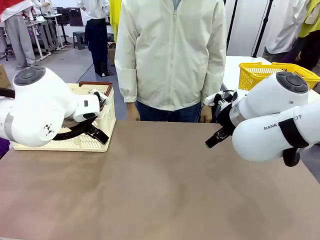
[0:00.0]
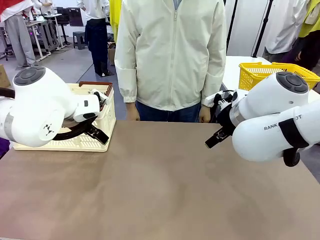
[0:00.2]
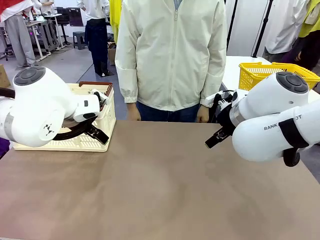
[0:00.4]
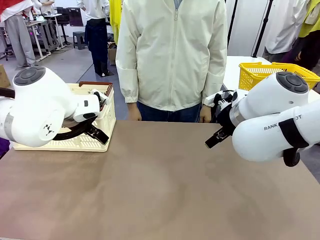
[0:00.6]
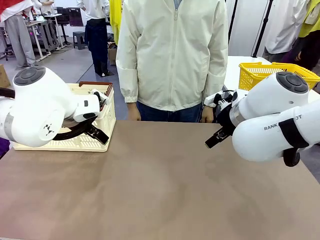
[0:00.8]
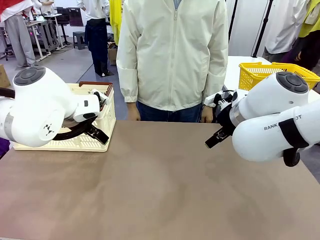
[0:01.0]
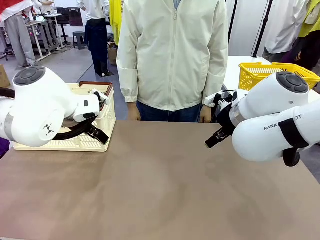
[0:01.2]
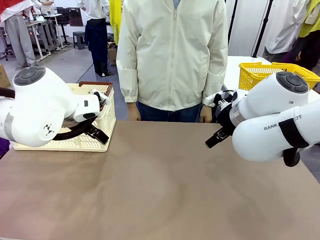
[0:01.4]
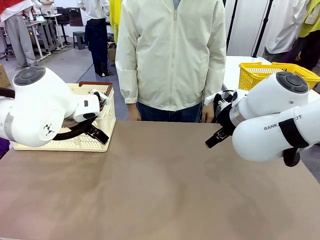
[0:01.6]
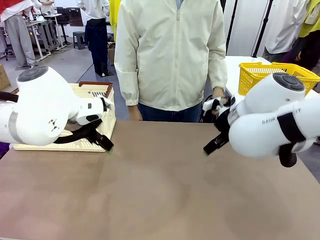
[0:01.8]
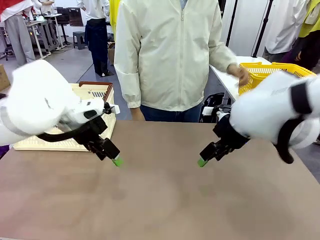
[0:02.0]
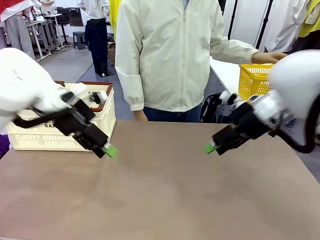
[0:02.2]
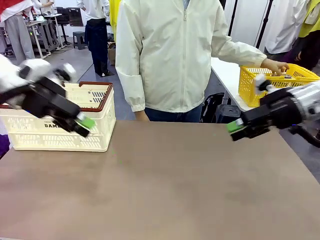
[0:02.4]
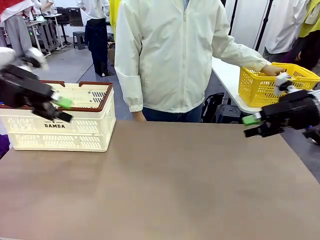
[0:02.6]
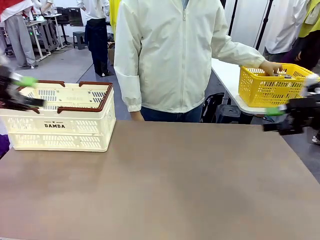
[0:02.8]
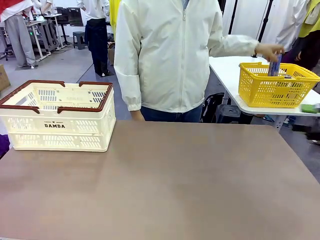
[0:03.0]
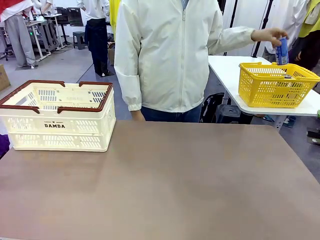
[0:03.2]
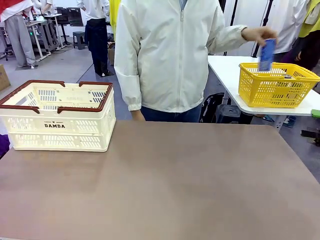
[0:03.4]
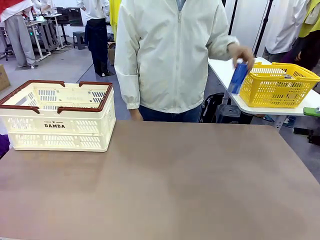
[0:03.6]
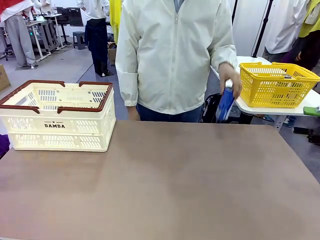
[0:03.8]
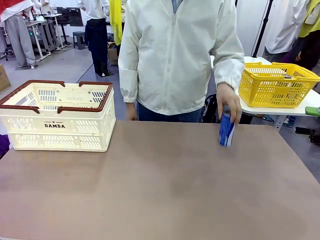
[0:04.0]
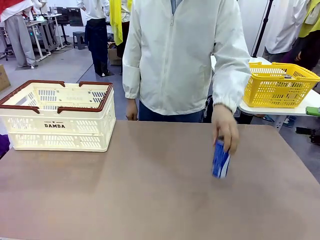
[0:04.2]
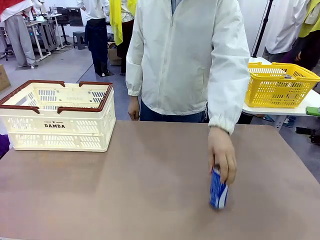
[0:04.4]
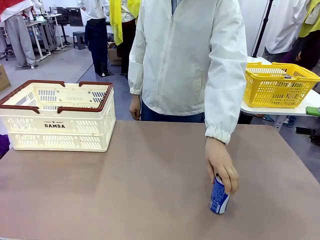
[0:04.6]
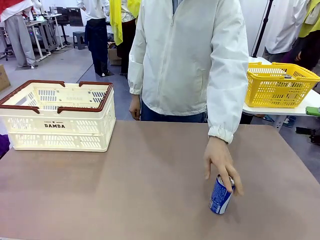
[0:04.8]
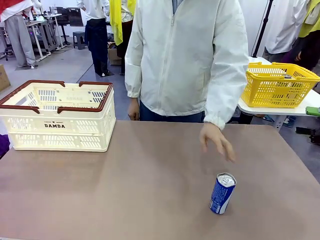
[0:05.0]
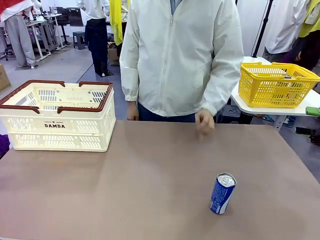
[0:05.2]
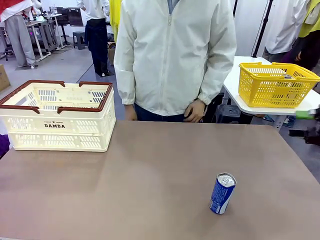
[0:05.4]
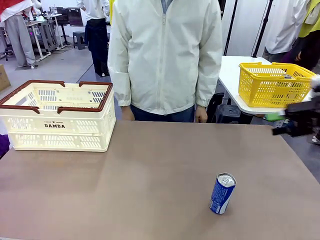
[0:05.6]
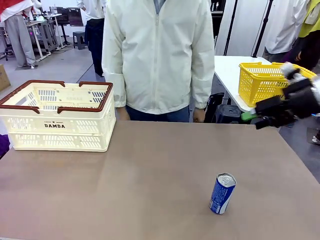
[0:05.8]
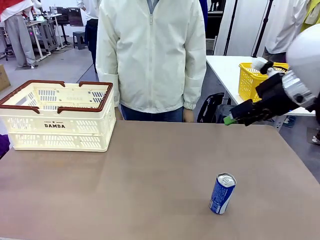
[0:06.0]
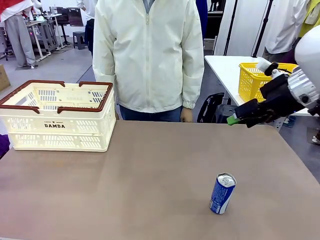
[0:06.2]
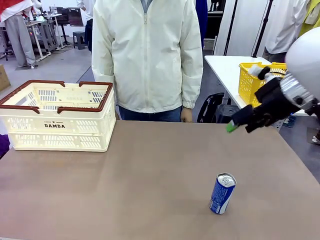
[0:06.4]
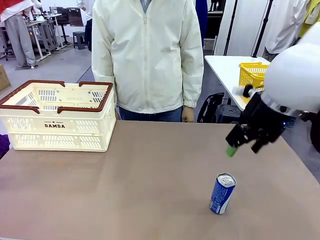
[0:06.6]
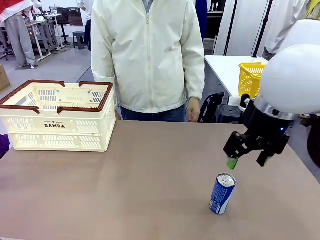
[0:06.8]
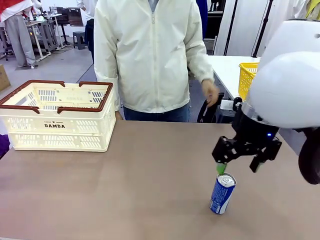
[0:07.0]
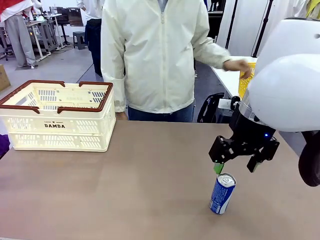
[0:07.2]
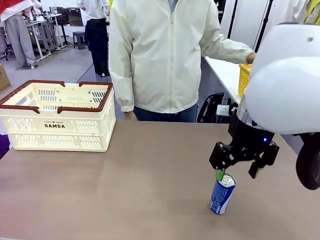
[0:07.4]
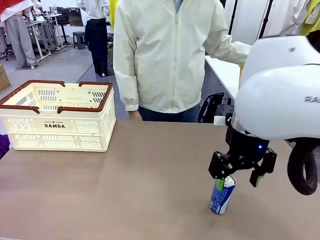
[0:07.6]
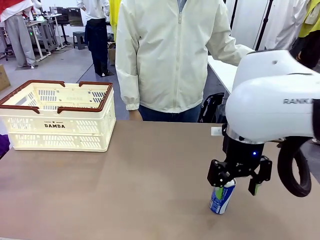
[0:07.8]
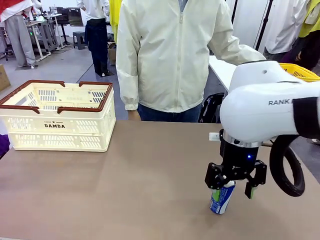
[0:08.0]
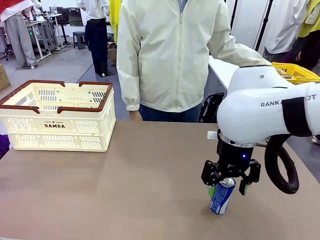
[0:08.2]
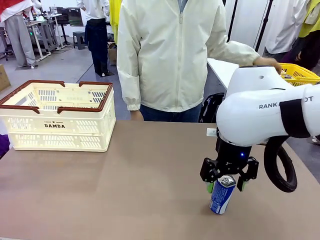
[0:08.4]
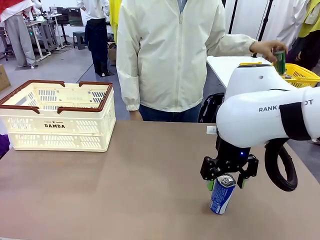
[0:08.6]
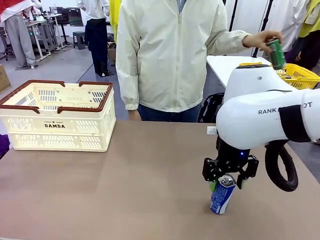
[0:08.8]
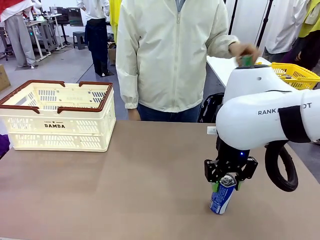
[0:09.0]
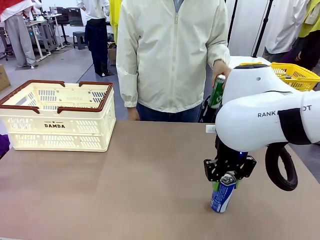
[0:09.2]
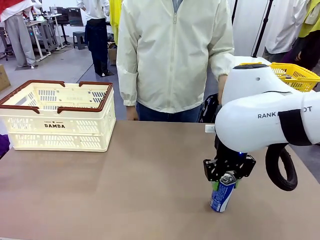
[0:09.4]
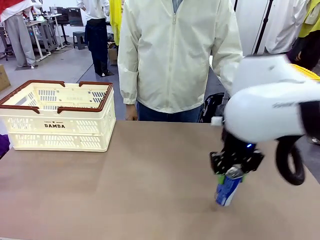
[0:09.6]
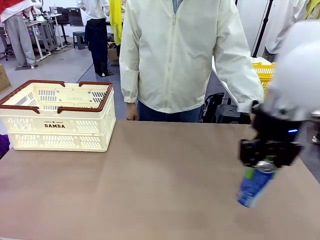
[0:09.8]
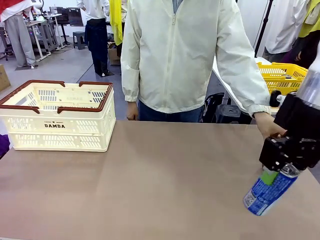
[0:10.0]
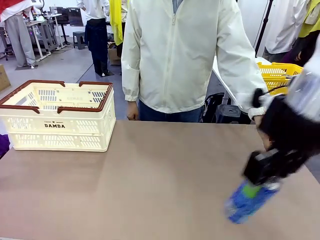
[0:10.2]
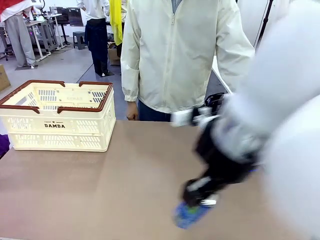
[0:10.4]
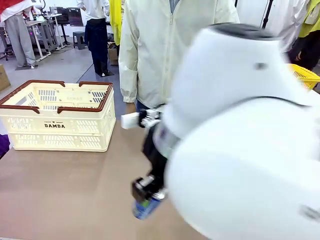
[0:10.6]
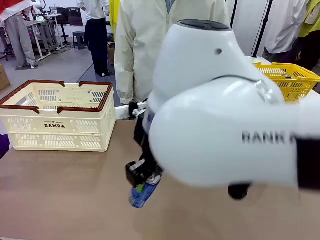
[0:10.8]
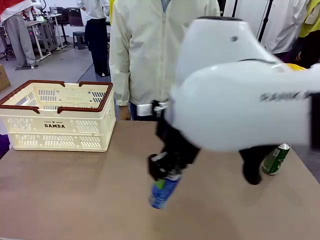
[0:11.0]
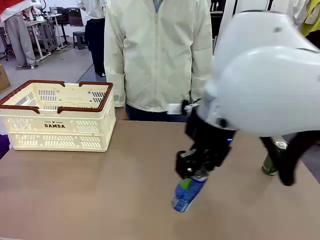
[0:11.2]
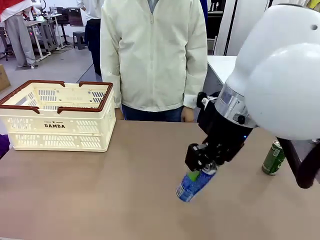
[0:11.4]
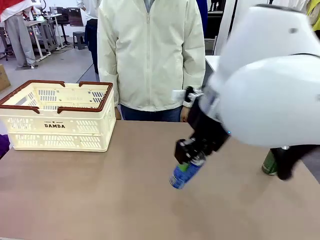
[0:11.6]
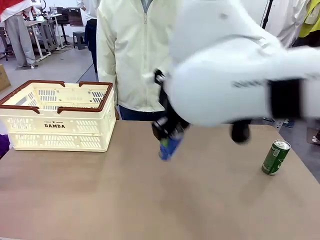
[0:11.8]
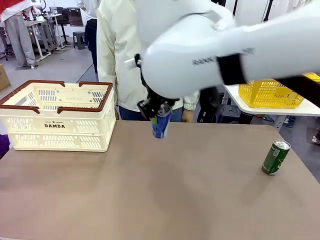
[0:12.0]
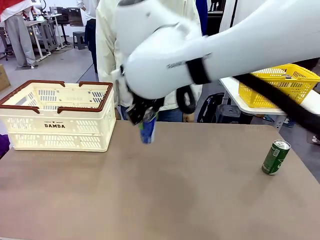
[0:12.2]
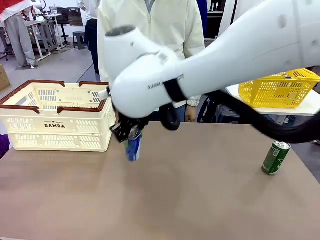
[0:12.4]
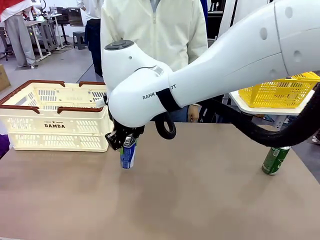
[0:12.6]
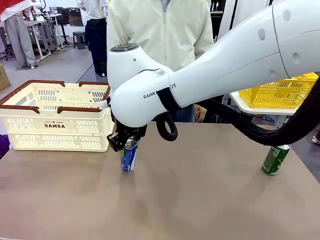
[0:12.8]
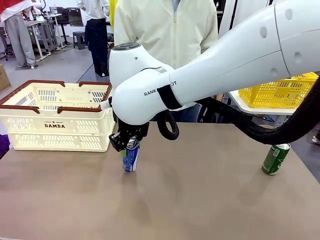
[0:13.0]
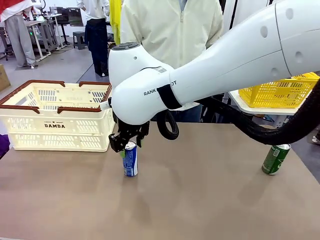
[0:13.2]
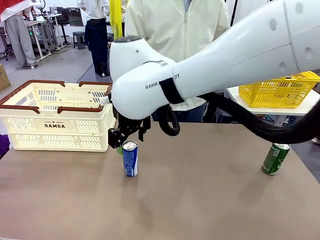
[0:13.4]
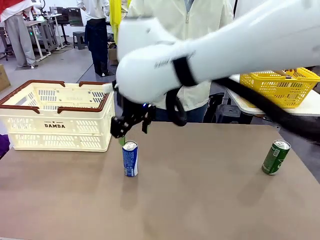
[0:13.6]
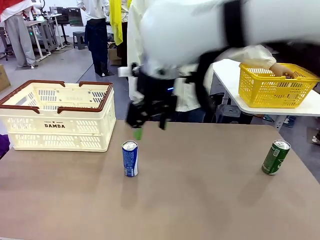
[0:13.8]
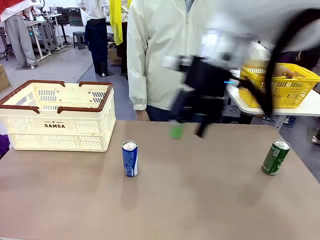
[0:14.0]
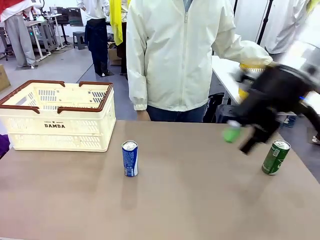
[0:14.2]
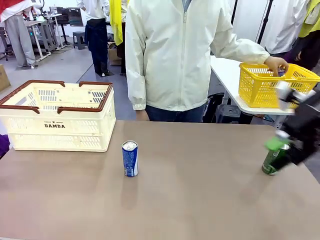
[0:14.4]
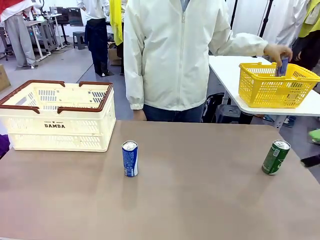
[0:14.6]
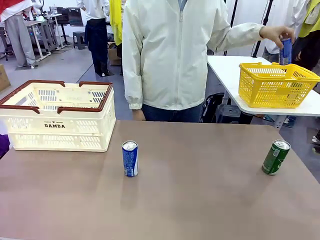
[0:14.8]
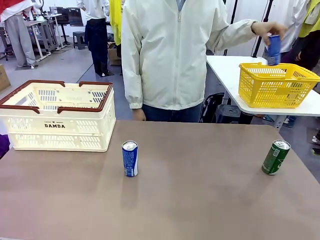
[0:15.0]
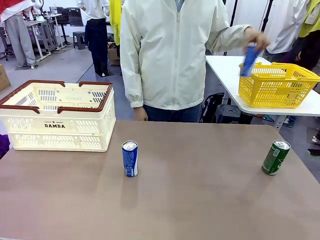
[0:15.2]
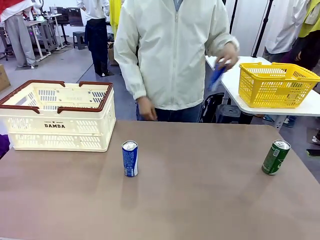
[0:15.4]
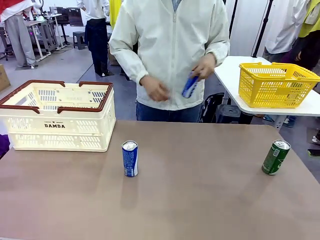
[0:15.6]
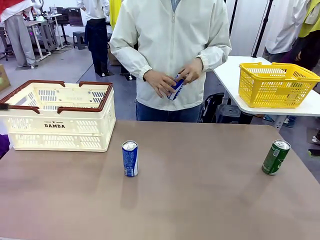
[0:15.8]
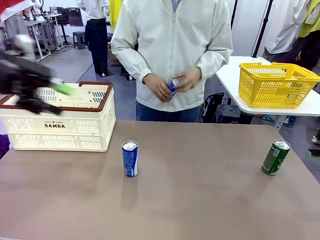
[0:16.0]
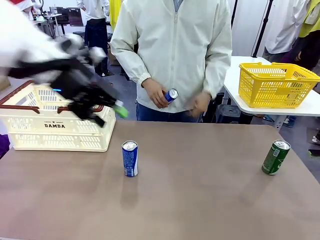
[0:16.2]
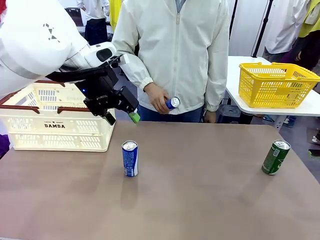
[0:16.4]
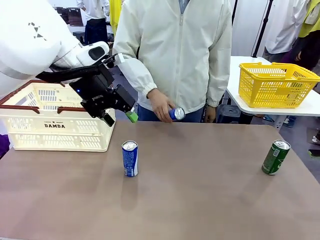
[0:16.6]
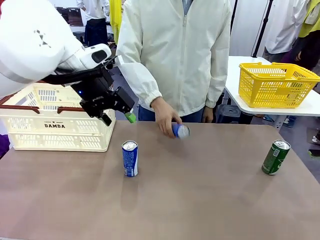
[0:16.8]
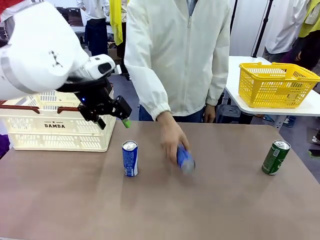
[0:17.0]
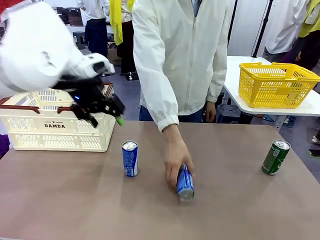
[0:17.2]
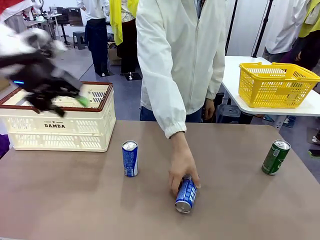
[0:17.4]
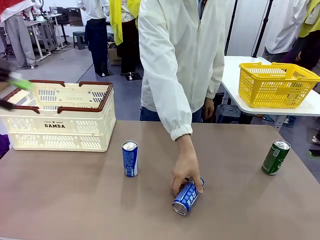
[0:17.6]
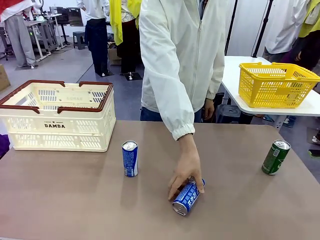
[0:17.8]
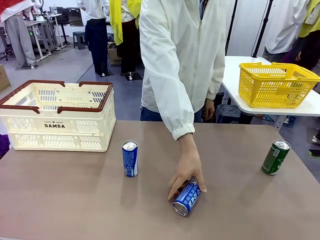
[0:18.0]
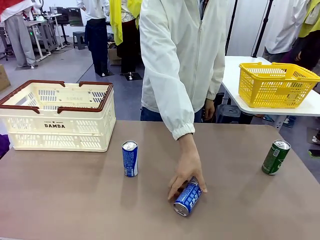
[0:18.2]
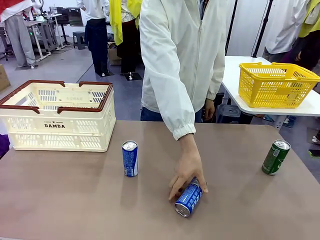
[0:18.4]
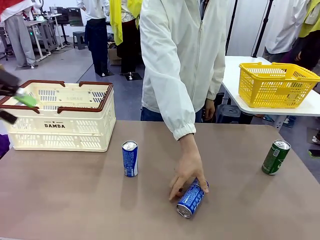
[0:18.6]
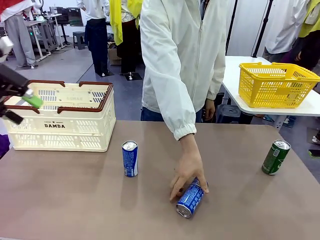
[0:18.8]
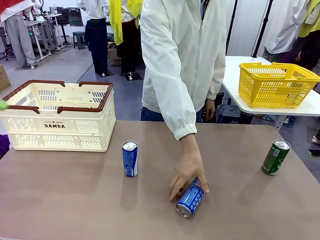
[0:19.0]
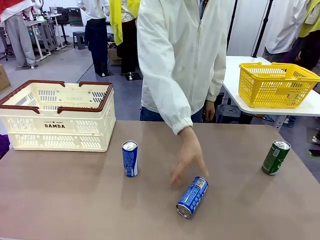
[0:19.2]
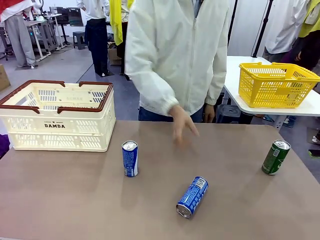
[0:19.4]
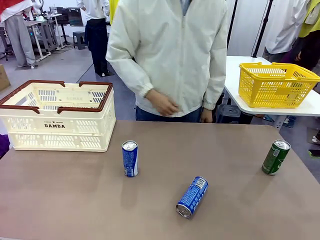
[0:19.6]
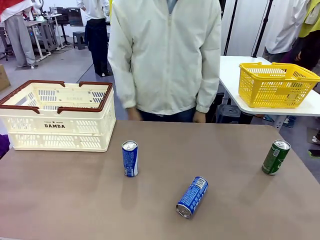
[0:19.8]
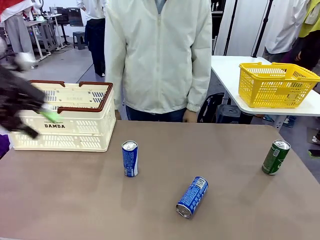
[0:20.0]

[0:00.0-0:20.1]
Task: Place the drinks into the Shopping basket.
Robot: Pick up one drink and place it into the Shopping basket.
